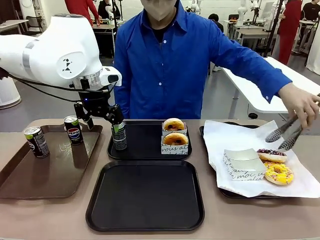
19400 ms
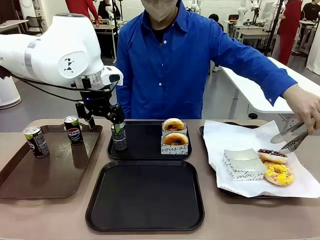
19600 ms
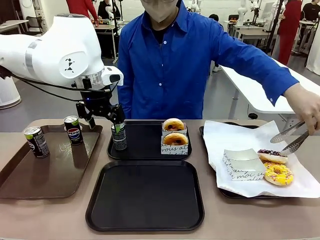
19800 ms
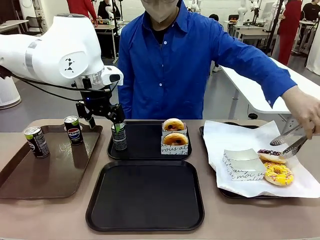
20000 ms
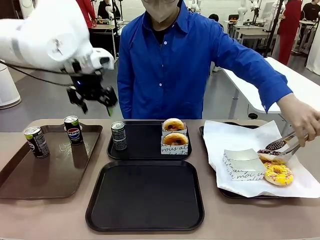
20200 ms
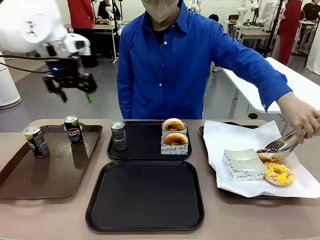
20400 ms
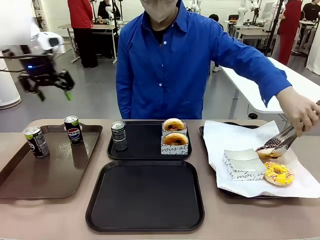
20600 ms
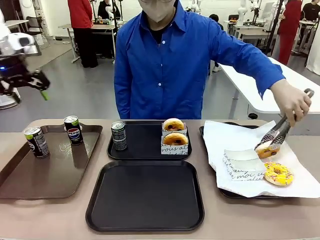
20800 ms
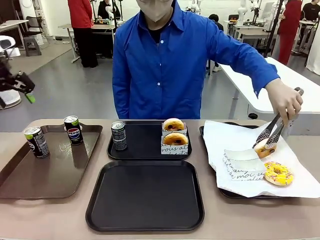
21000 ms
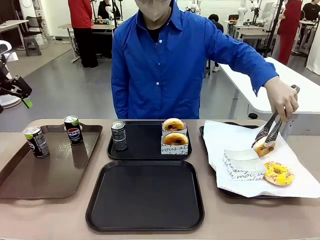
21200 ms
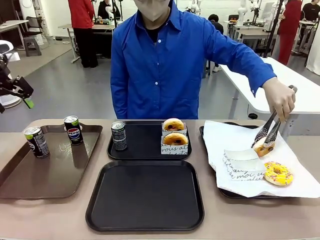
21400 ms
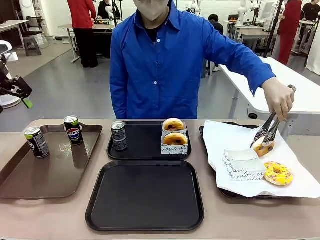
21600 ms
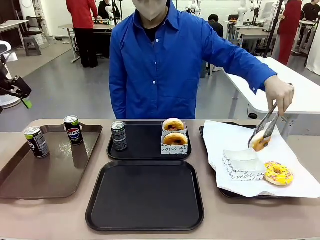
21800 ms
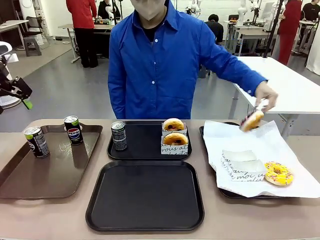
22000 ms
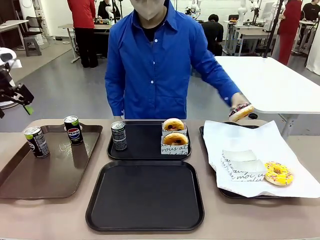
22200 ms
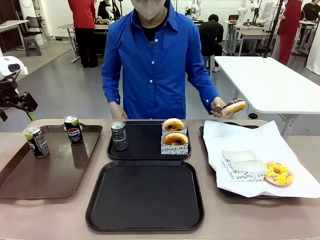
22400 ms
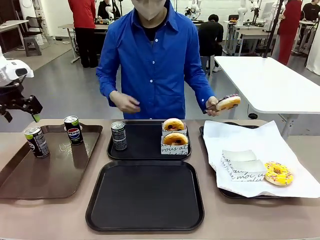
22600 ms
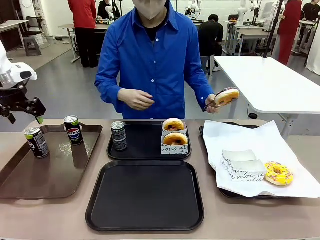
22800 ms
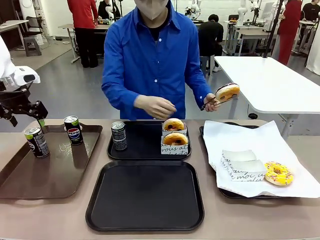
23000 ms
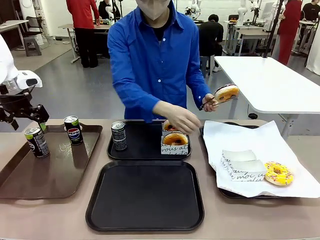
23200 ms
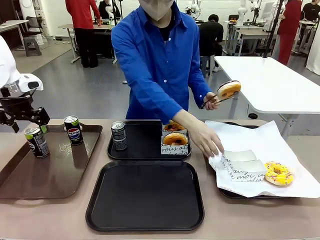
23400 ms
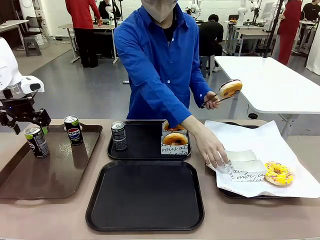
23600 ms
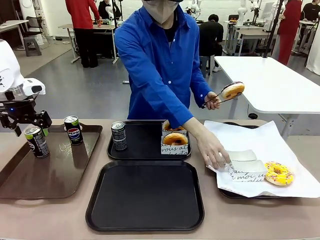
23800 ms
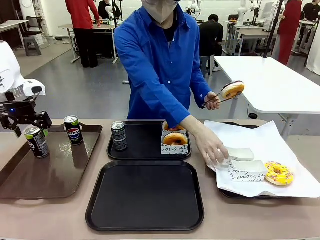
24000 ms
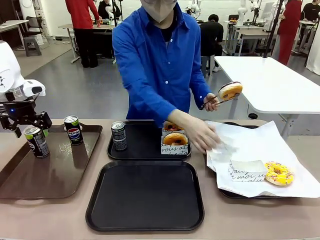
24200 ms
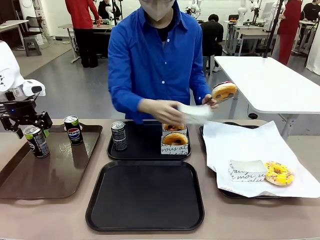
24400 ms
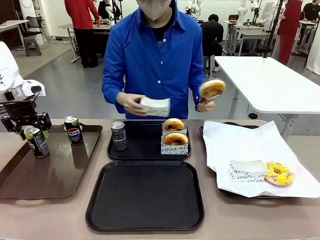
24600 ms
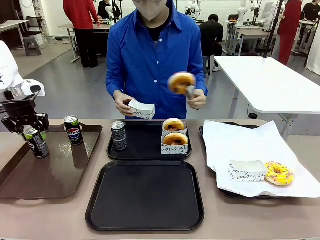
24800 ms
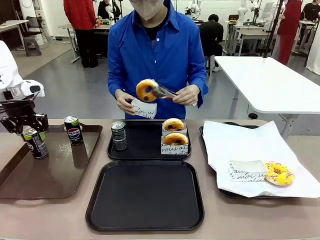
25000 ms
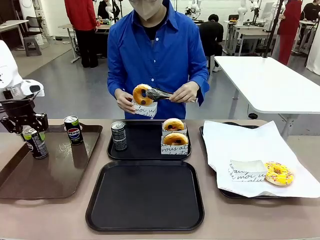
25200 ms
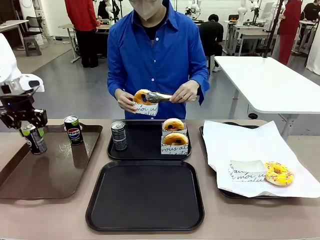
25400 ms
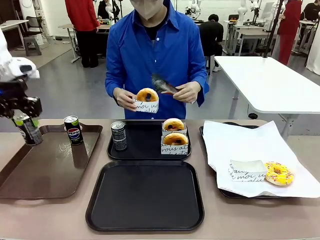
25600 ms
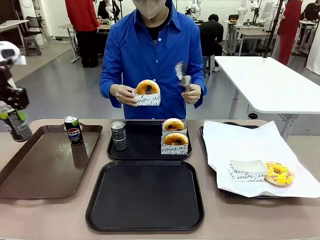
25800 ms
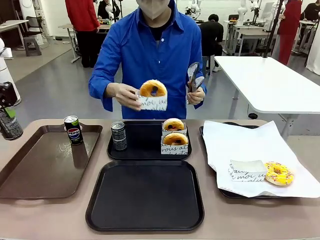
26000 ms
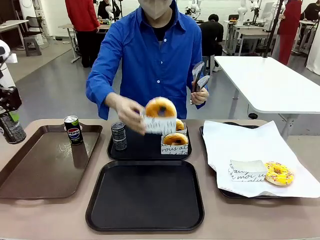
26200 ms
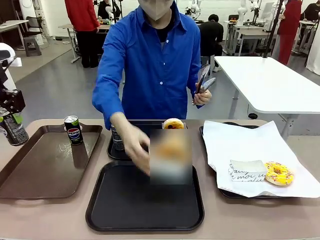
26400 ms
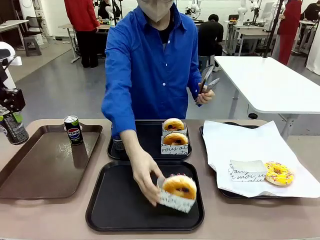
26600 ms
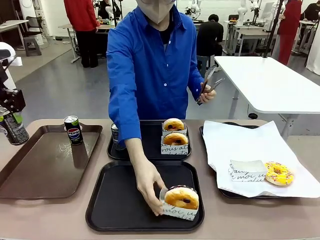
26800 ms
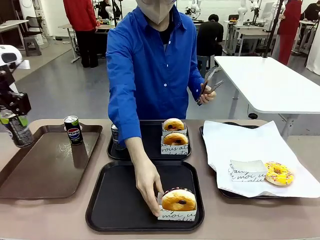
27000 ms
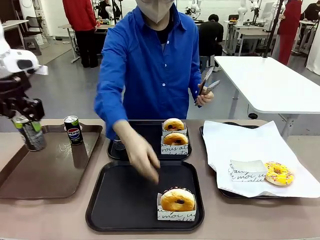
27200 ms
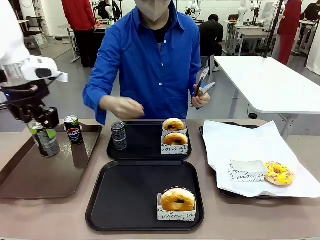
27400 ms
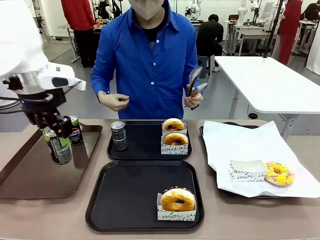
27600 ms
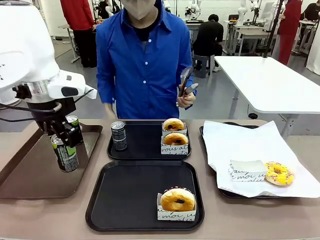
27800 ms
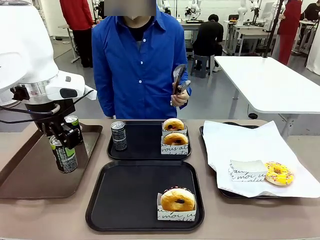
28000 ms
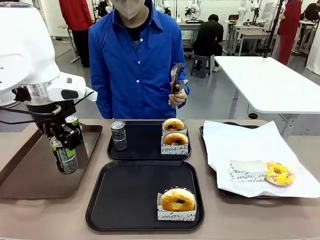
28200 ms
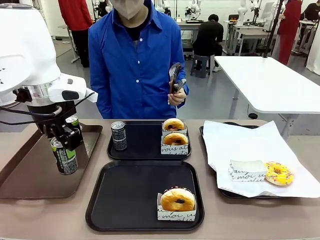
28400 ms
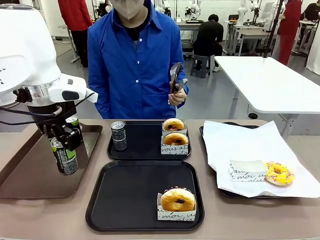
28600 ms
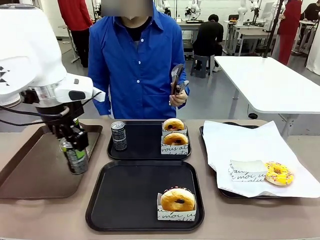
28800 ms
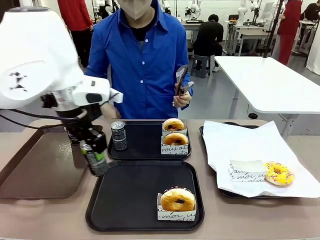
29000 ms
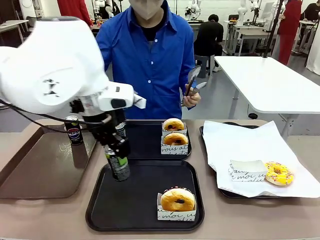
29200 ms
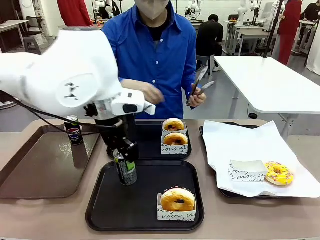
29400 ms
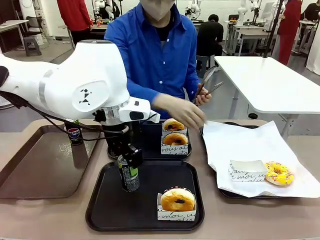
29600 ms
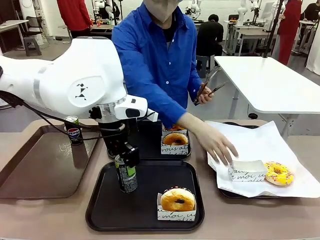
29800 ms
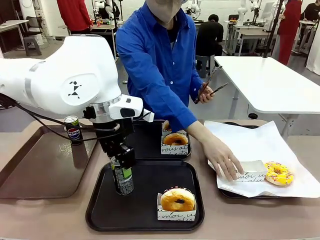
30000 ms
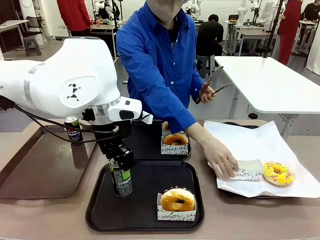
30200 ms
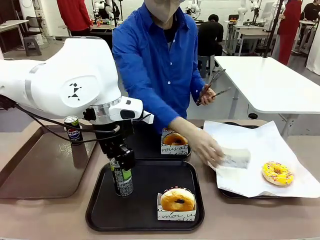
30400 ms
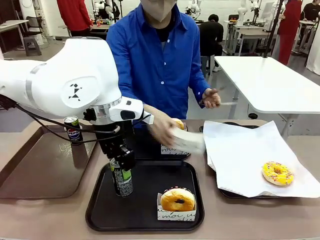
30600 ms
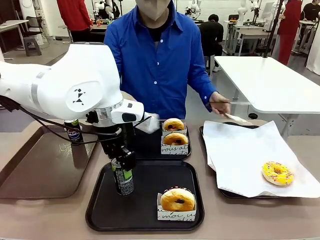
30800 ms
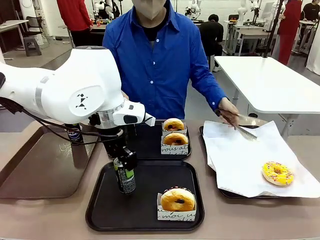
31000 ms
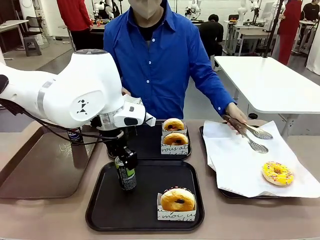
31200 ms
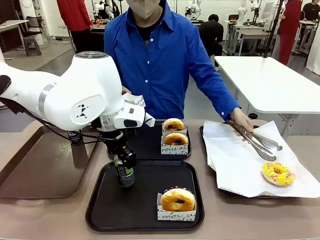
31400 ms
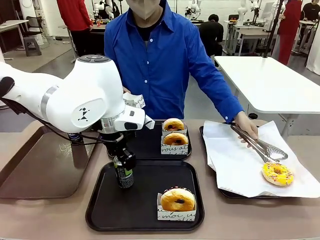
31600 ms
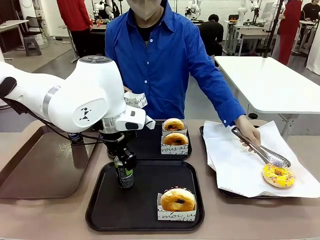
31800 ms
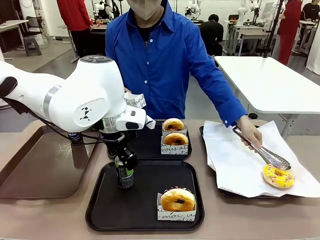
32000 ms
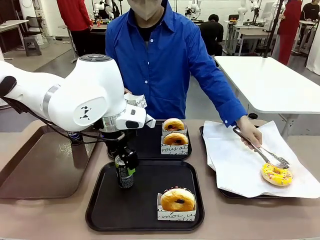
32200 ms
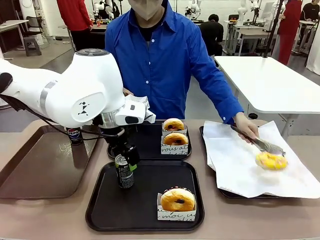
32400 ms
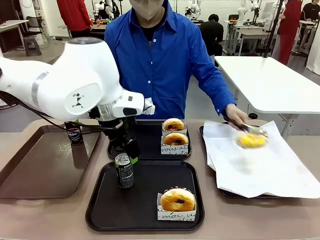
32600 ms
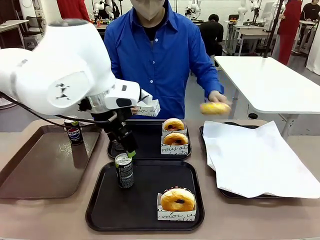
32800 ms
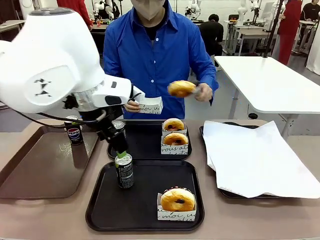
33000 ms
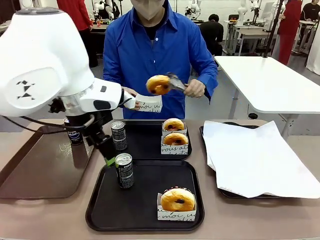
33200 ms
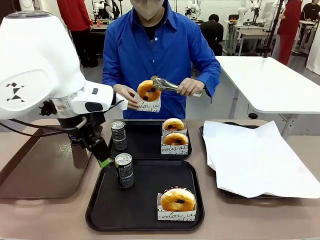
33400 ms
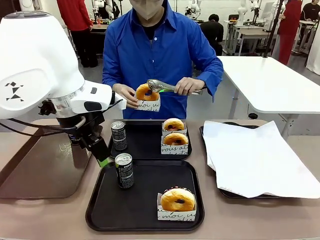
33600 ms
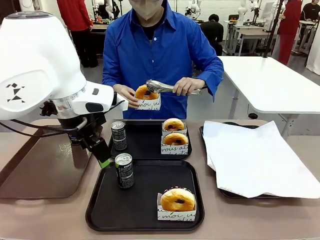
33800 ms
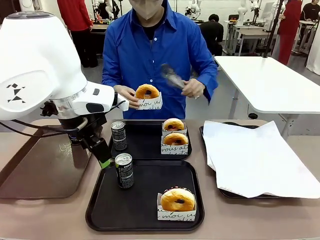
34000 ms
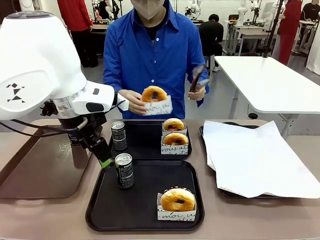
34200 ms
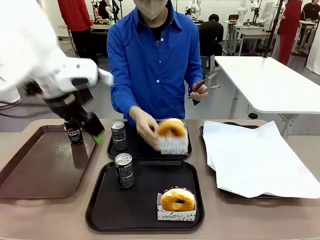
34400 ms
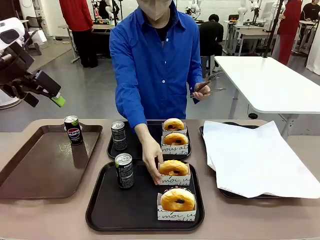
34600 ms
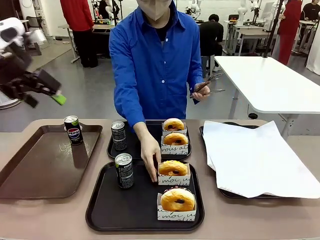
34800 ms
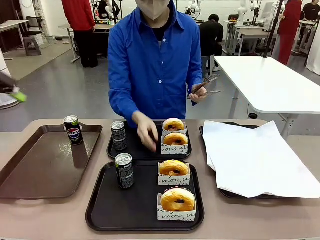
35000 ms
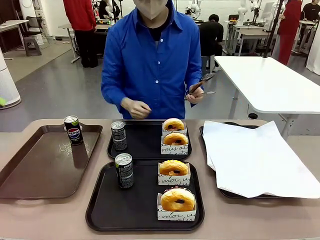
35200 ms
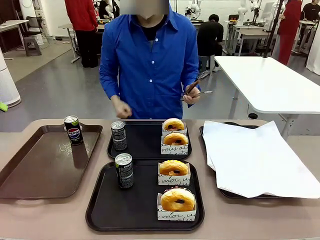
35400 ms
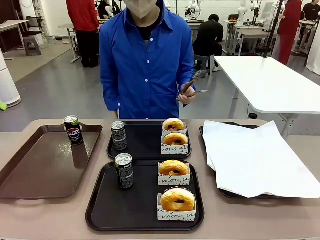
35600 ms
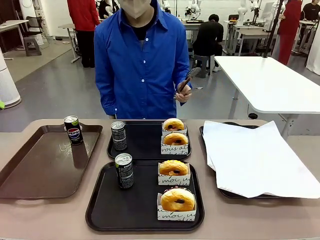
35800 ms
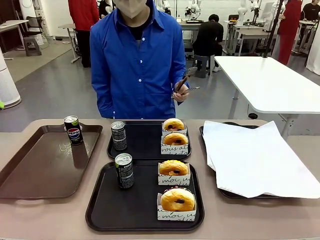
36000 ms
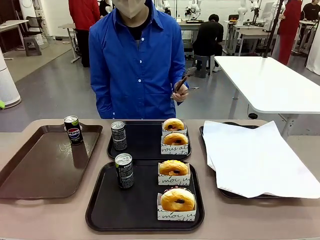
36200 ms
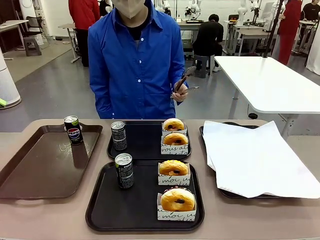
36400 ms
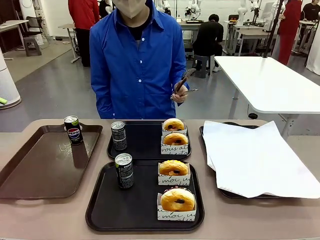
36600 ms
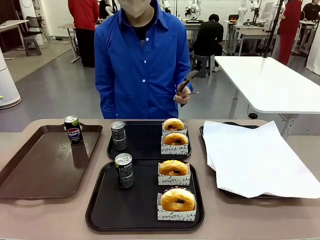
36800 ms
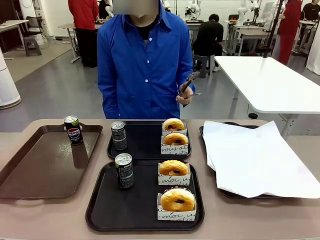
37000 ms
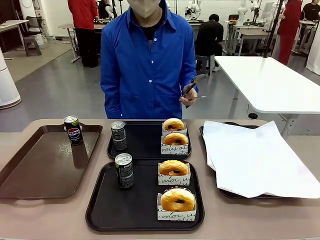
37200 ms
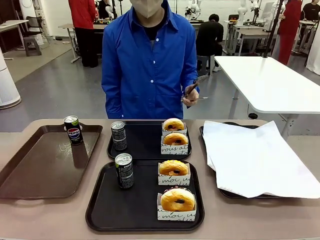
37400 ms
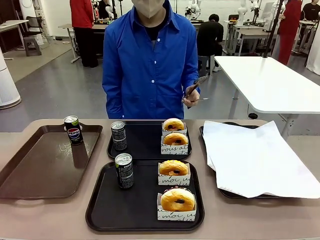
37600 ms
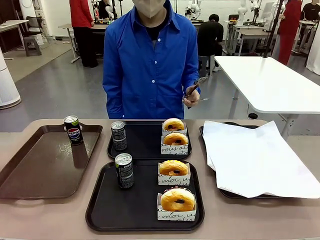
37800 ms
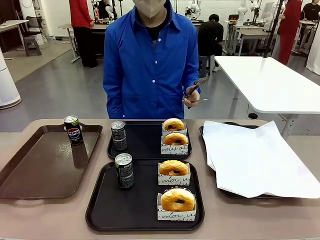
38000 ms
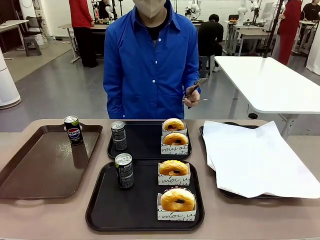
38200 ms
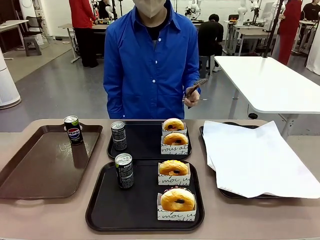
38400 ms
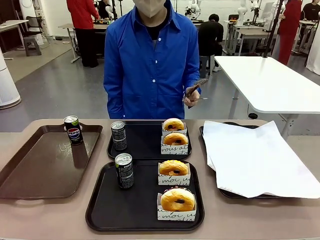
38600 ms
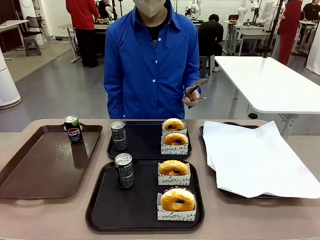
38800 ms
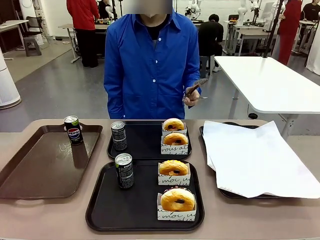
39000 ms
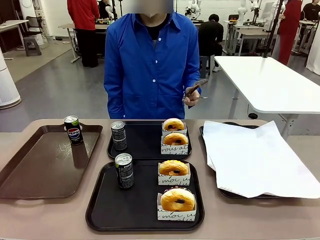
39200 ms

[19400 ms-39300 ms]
Task: Set up donuts and drinks on trays.
Robot: Pick up one Pepsi coke from the Handle tray and place it on the Flat Tray without a Pepsi coke.
Person: Pick up one donut with tongs, place it in the donut tray, and then place the donut tray on the flat tray.
